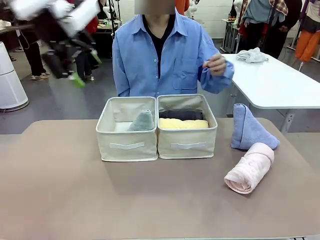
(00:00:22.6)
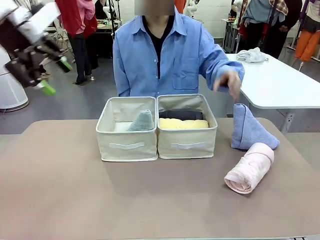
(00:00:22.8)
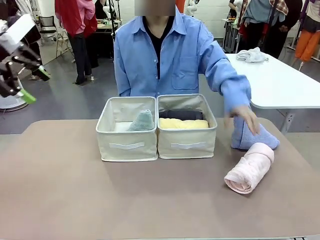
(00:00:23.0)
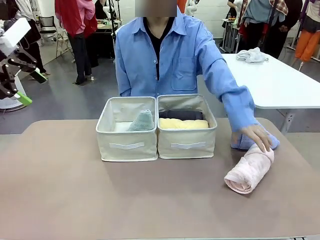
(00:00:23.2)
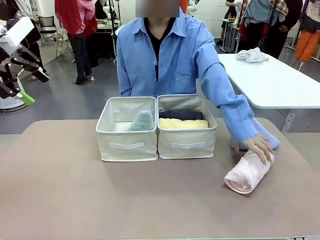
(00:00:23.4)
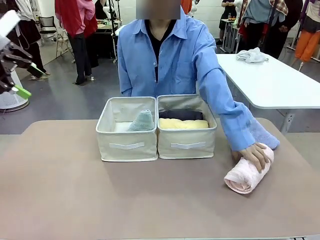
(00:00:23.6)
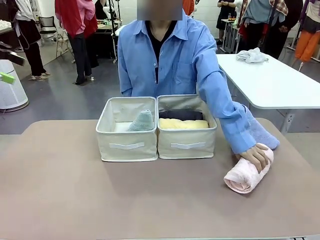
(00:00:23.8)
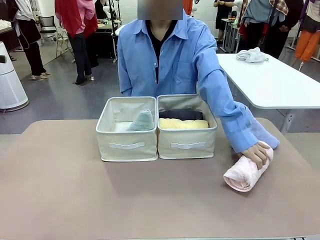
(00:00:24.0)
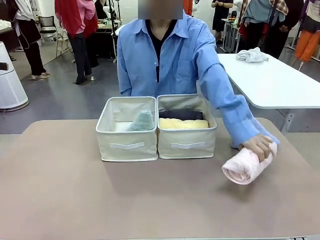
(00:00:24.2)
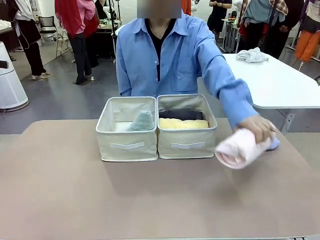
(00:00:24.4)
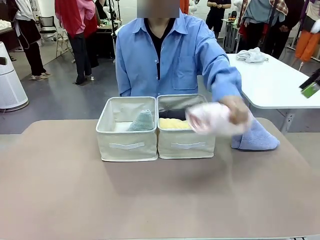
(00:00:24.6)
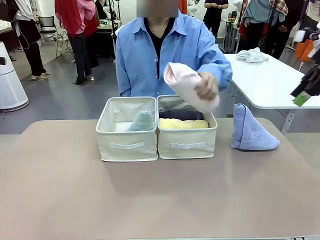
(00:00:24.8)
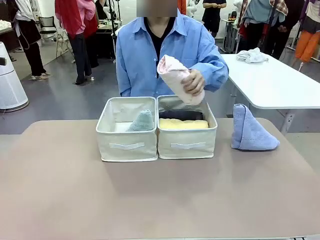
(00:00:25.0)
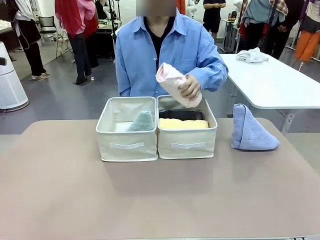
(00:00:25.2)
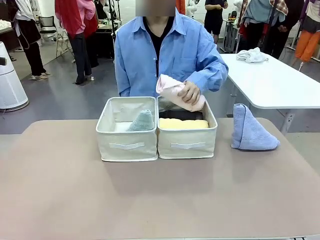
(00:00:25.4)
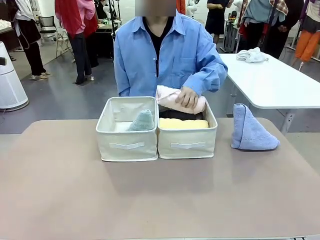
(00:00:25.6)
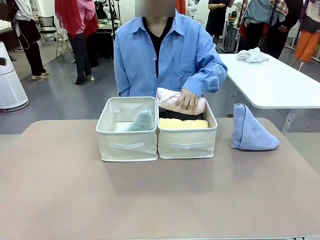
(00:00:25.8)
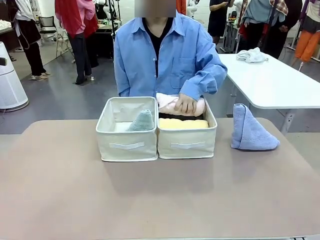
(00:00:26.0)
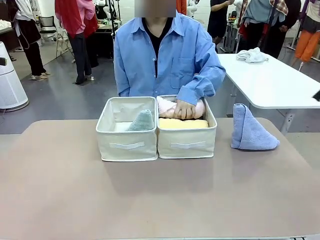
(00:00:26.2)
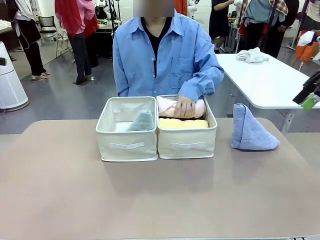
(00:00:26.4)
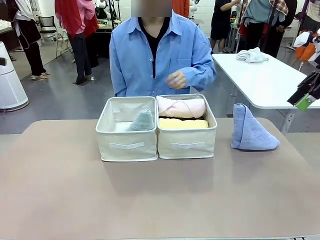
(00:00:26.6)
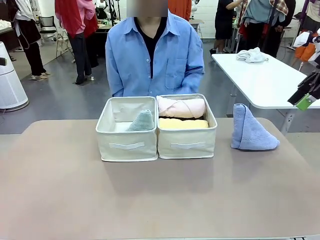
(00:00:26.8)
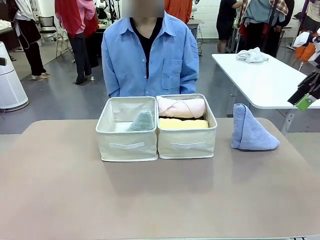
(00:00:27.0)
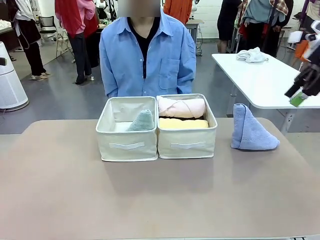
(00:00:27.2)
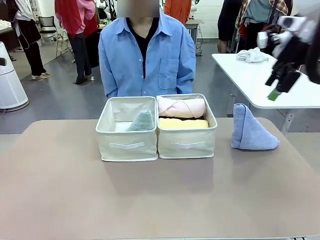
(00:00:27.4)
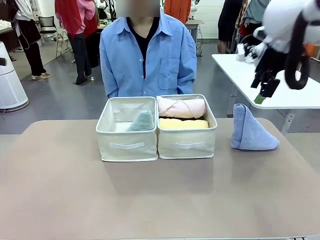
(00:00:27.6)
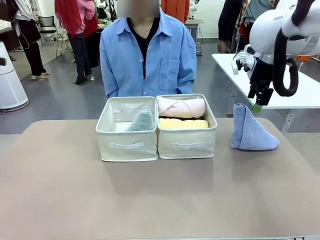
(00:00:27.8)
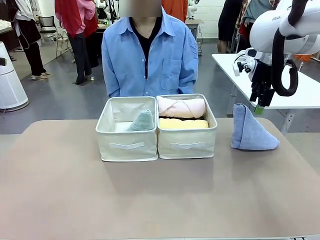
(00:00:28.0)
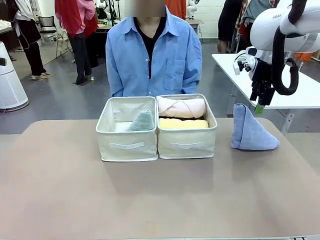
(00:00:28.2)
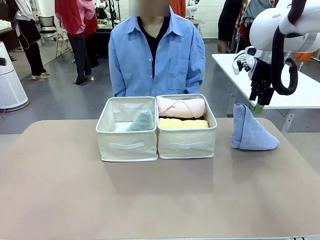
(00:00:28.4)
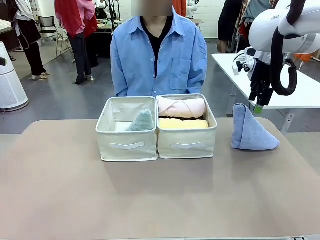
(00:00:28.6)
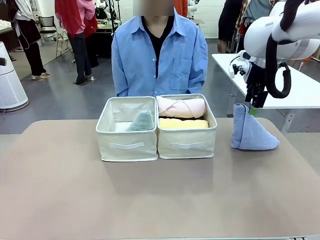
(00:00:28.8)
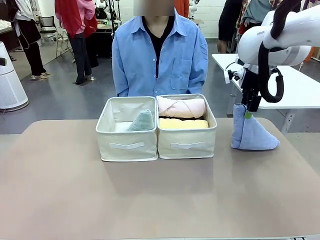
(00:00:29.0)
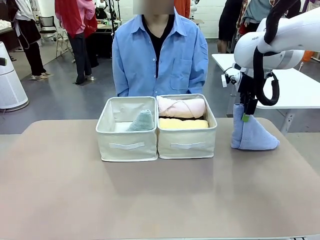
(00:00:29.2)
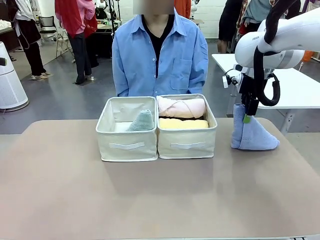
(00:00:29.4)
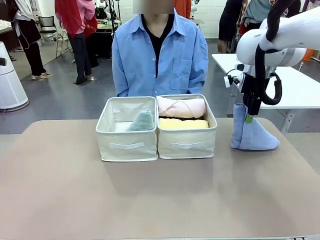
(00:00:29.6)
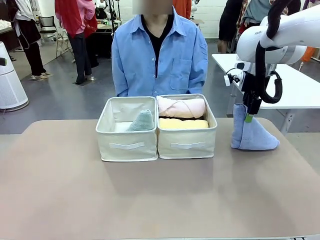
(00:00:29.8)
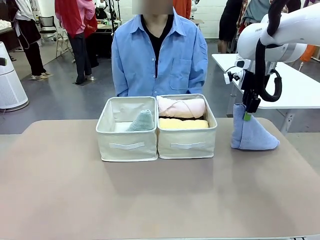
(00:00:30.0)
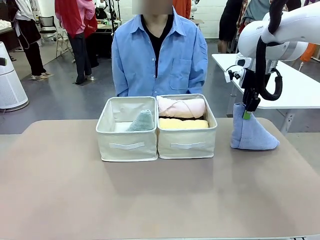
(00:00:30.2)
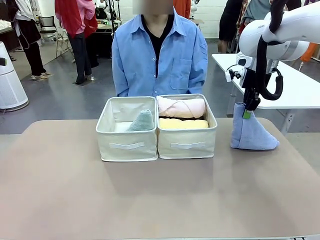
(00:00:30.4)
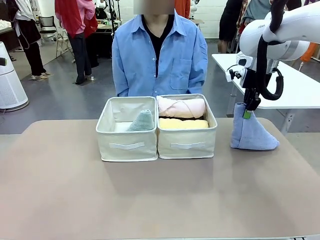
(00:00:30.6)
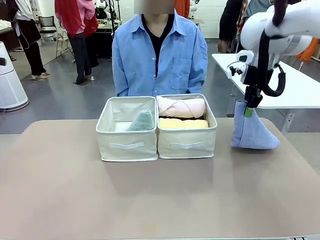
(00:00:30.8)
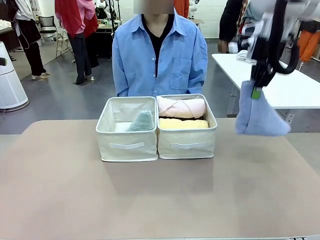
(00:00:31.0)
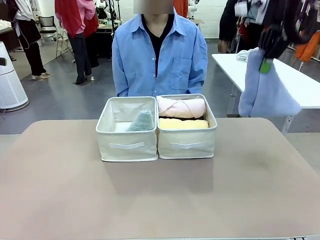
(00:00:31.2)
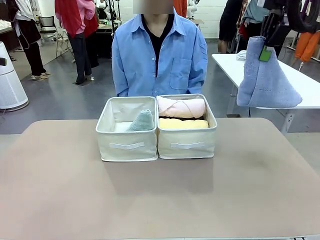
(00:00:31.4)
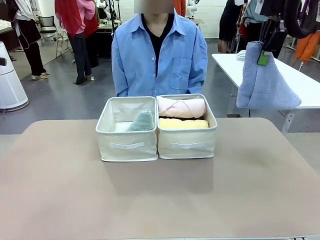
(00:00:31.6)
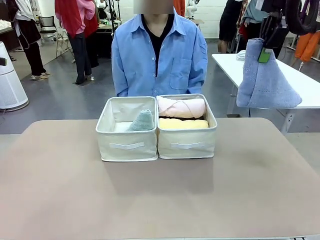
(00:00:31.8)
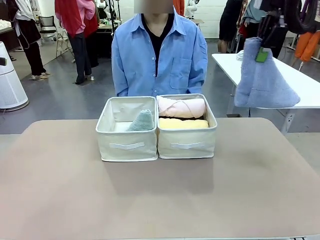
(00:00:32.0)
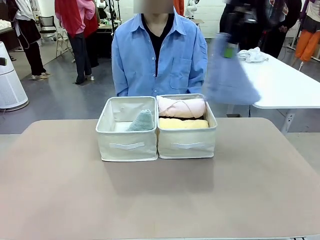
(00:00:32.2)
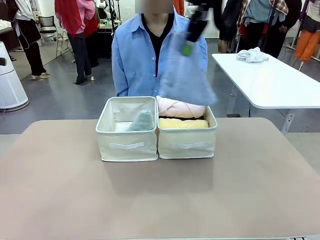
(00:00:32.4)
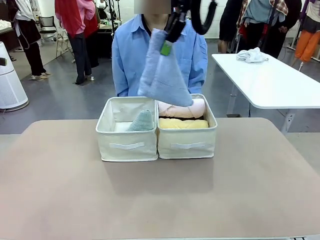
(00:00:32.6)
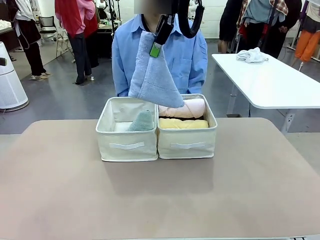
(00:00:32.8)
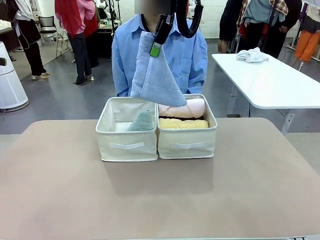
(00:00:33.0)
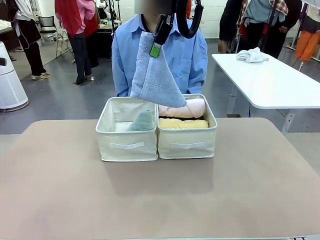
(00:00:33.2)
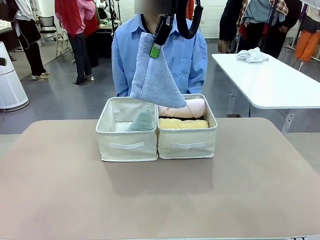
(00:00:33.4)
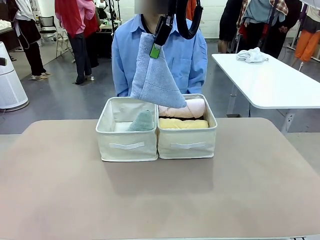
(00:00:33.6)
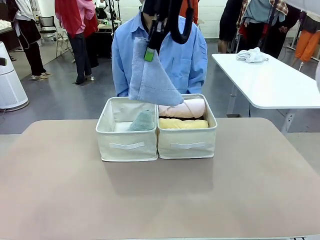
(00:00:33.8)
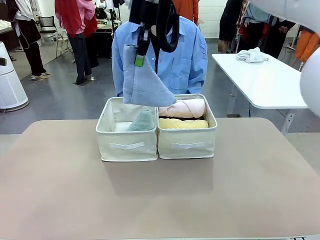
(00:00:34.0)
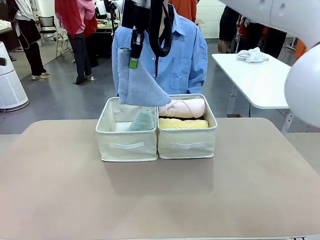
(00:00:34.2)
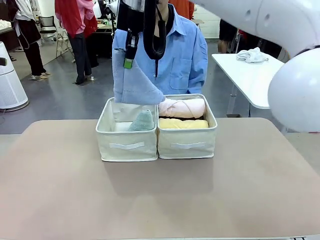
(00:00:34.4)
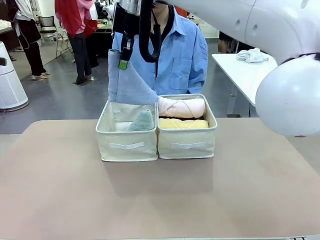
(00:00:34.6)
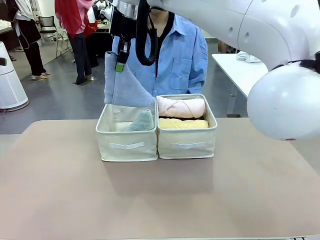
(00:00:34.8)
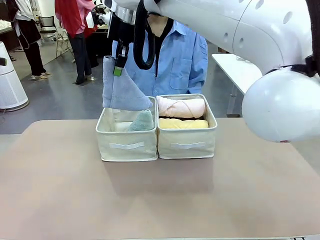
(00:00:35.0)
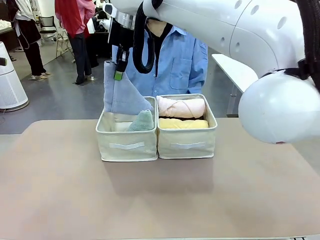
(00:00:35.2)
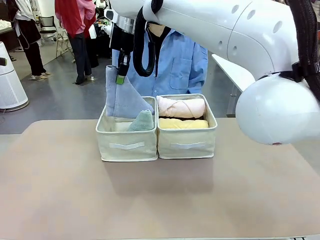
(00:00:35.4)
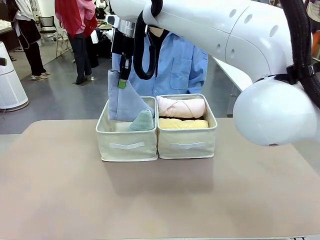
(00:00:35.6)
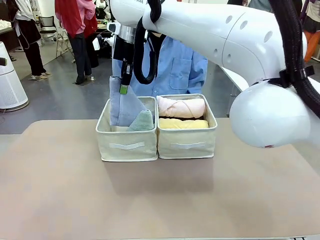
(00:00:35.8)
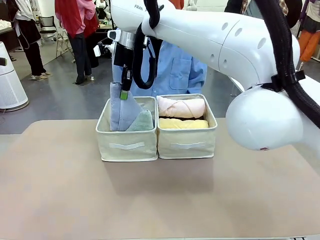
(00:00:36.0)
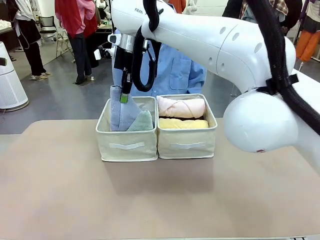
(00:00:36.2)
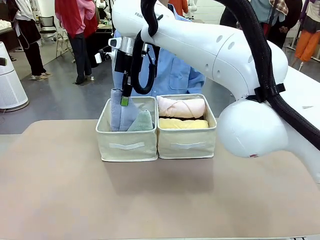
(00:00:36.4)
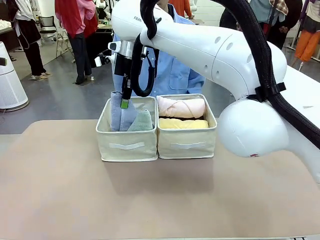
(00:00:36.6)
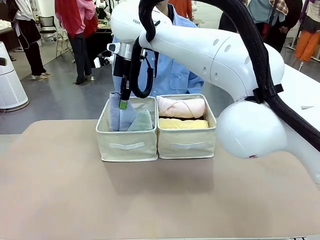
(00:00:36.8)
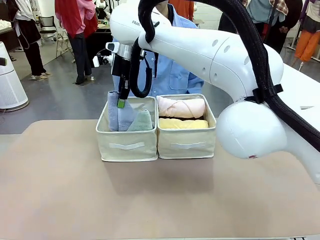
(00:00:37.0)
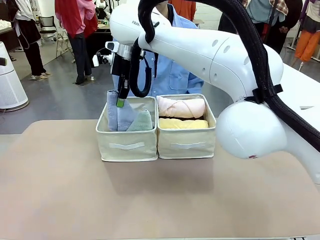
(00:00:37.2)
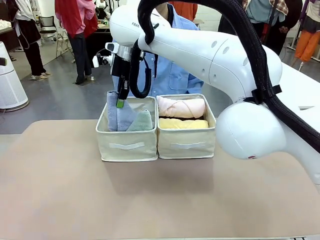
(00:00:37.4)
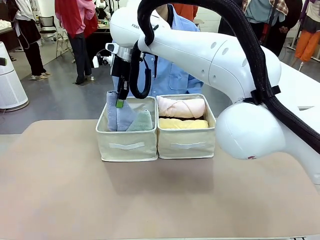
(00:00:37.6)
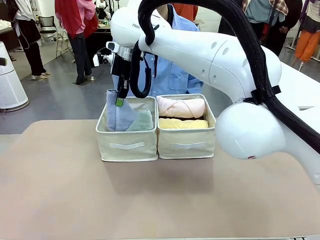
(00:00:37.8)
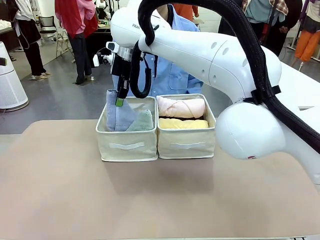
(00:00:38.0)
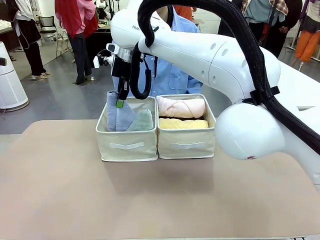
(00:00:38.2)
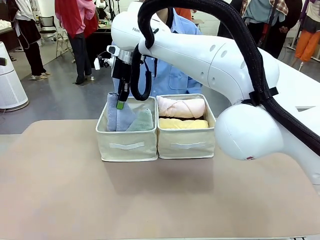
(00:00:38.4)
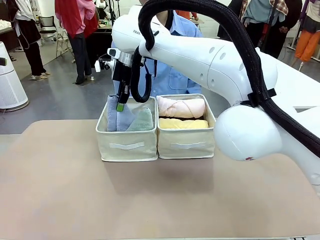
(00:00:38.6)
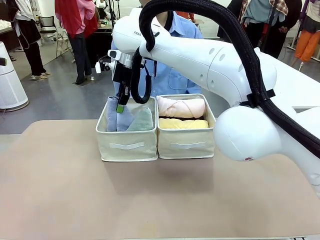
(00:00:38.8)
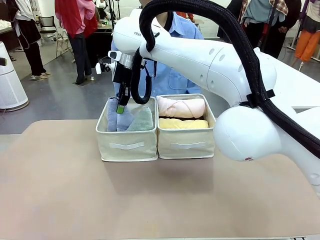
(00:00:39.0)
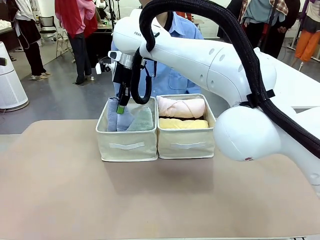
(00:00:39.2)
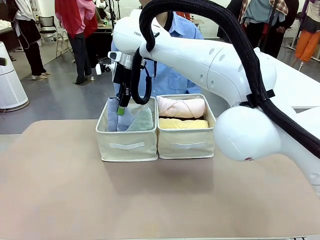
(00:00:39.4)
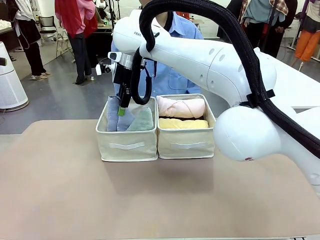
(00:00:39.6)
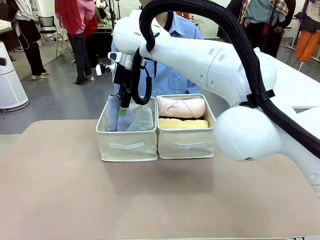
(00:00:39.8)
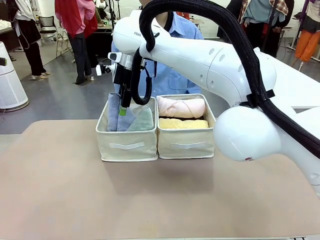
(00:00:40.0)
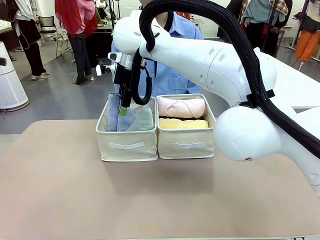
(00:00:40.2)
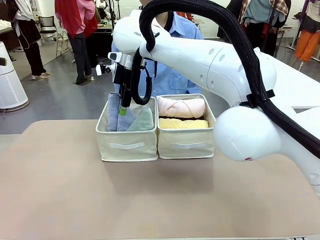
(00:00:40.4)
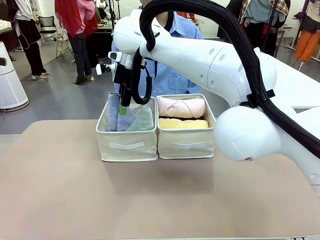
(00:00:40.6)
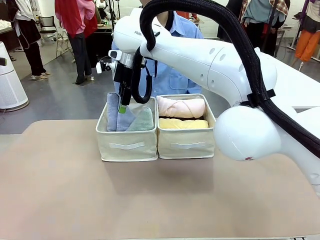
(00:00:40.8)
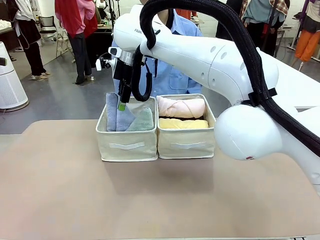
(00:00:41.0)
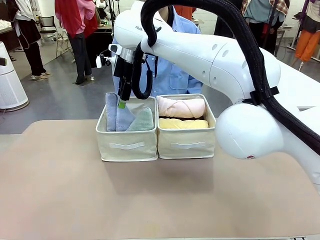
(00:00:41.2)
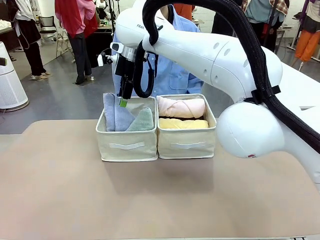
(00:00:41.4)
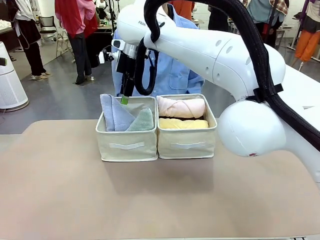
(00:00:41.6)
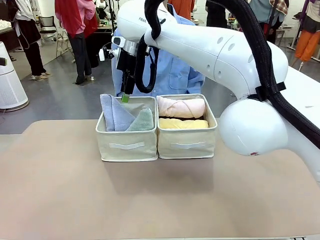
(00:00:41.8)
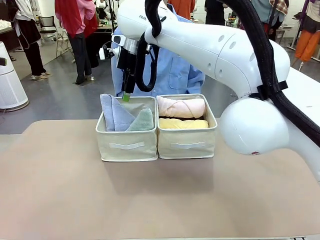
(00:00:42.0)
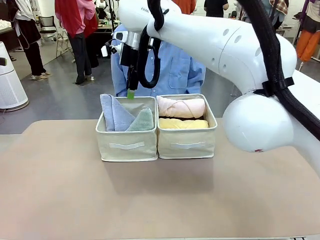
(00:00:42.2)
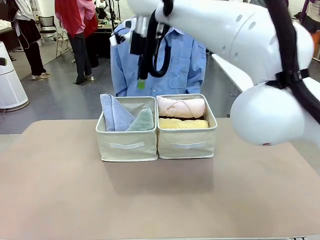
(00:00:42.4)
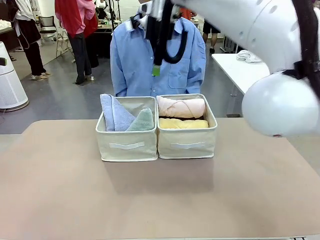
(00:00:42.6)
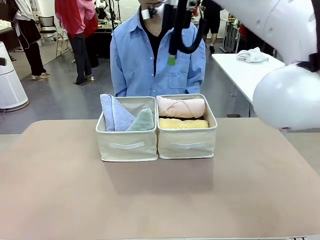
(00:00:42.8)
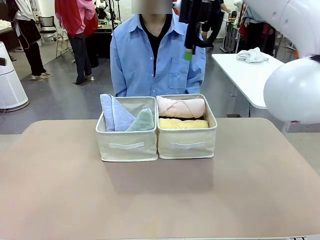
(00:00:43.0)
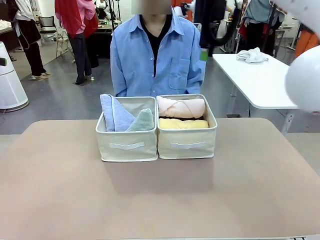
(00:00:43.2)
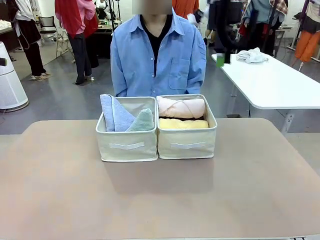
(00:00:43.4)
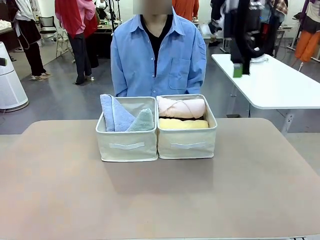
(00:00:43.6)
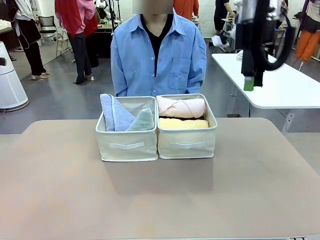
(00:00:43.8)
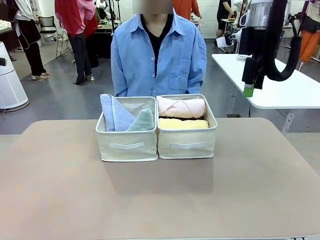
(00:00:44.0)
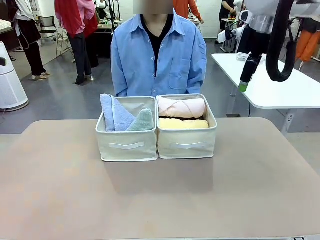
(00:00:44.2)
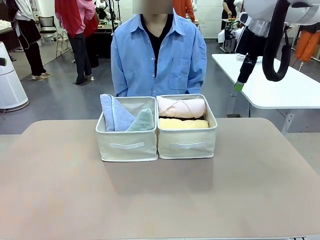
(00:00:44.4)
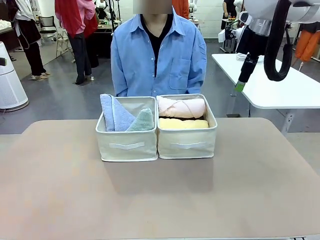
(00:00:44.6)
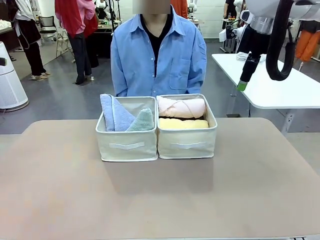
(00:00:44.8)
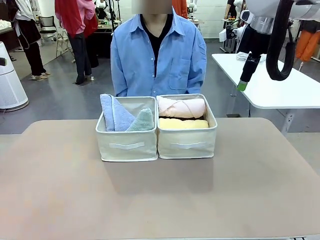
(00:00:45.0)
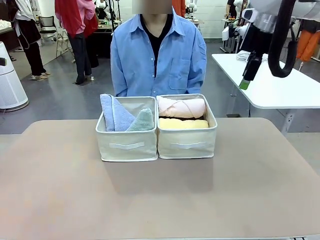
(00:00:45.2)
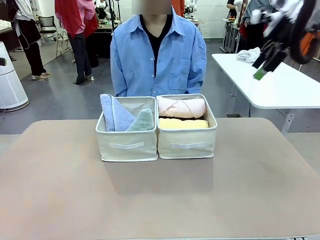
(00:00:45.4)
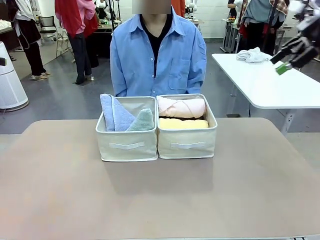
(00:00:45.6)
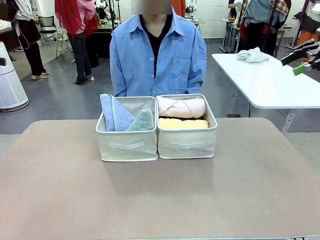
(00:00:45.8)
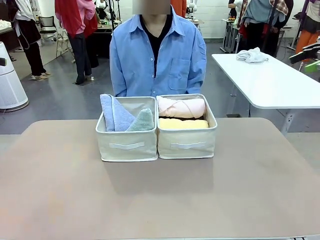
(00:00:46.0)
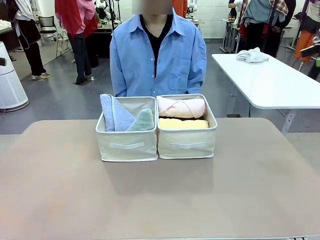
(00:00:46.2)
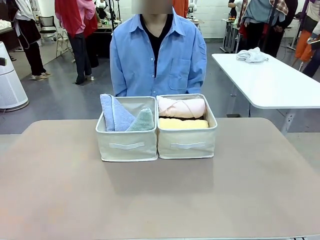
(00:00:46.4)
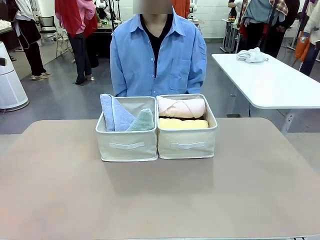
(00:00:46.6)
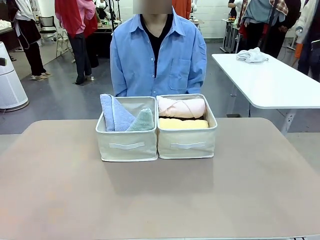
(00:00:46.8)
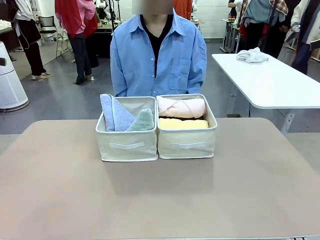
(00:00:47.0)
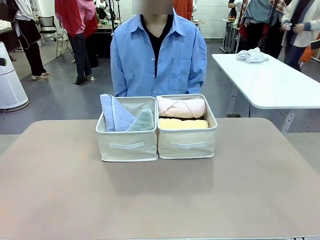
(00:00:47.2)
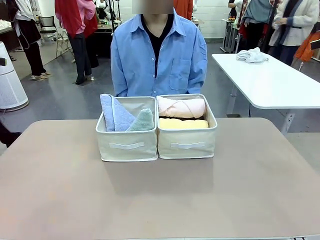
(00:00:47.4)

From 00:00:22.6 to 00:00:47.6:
Task: Sort the towels based on their folding style.
Robot: Pick up another triangle-folded towel from the table and place it in the left Fabric basket.
Person: Pick up one hotel-style rolled towel from the table and place it in the left fabric basket.
